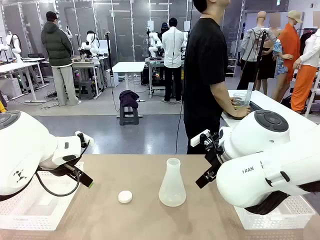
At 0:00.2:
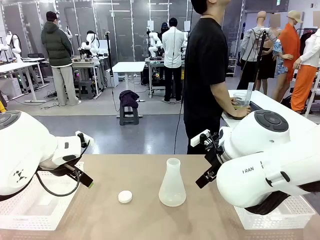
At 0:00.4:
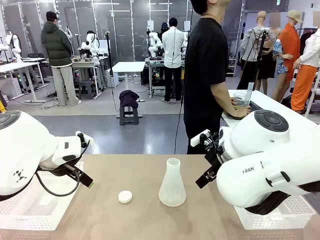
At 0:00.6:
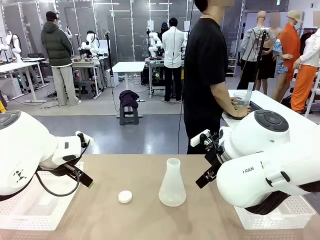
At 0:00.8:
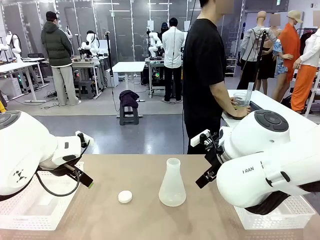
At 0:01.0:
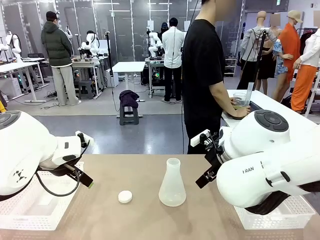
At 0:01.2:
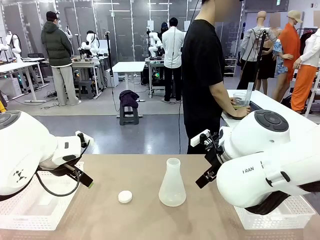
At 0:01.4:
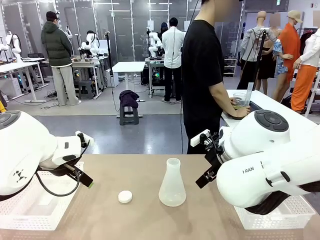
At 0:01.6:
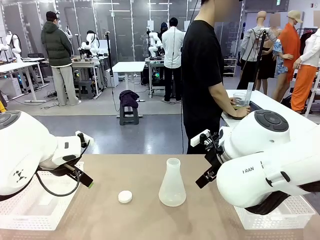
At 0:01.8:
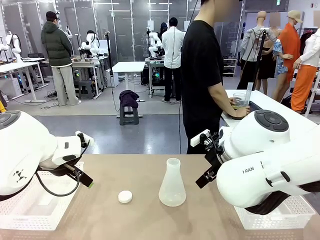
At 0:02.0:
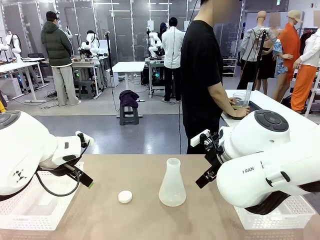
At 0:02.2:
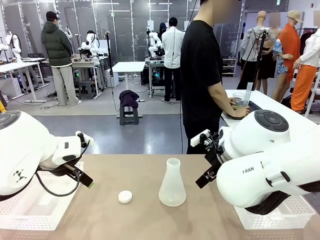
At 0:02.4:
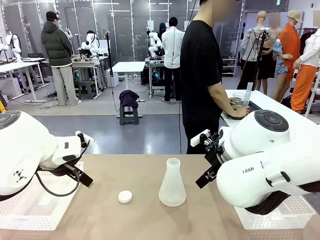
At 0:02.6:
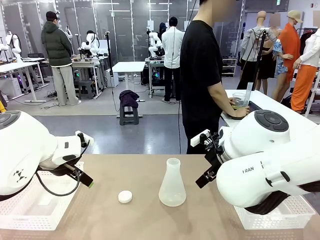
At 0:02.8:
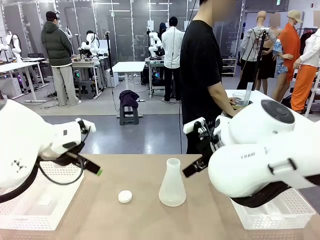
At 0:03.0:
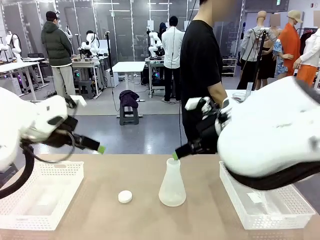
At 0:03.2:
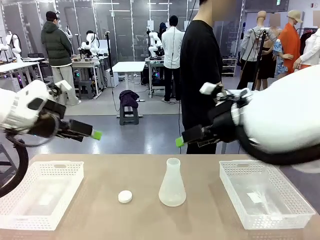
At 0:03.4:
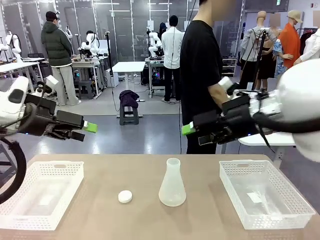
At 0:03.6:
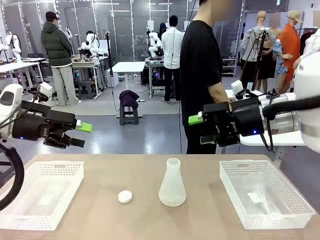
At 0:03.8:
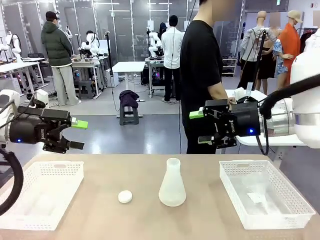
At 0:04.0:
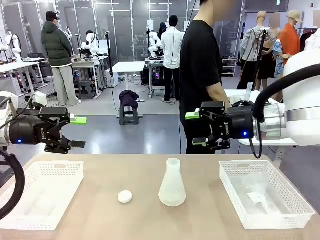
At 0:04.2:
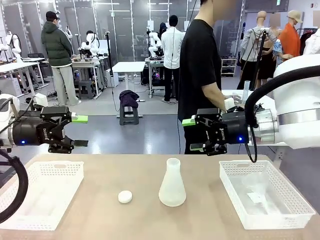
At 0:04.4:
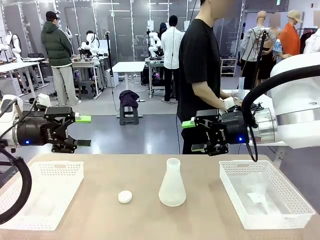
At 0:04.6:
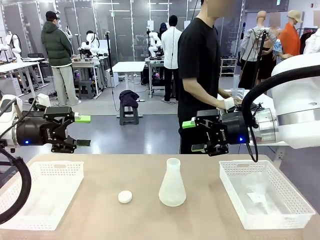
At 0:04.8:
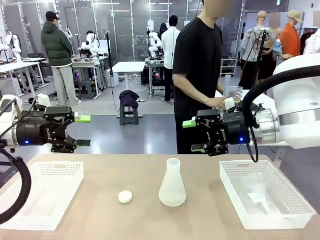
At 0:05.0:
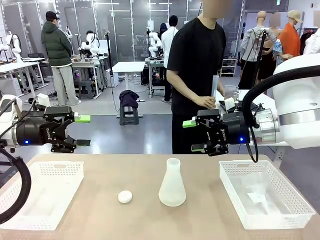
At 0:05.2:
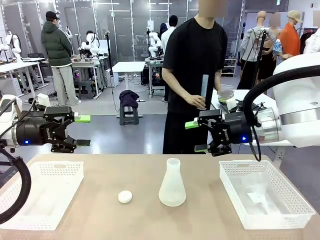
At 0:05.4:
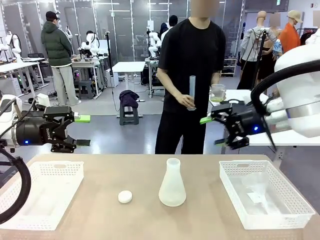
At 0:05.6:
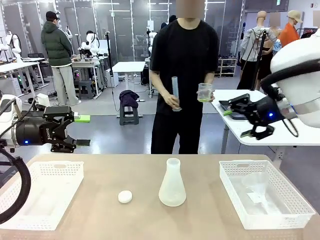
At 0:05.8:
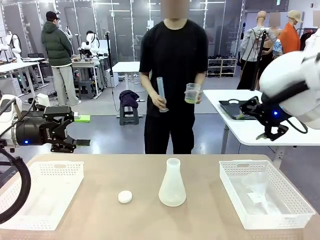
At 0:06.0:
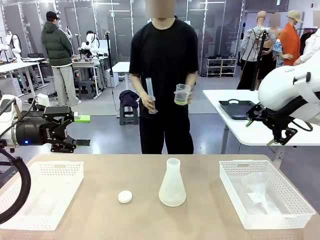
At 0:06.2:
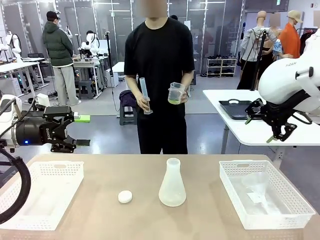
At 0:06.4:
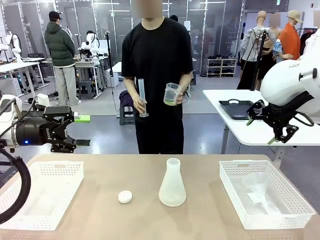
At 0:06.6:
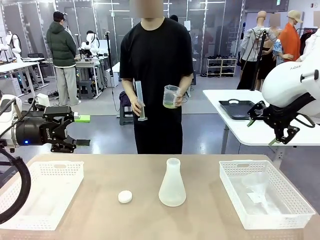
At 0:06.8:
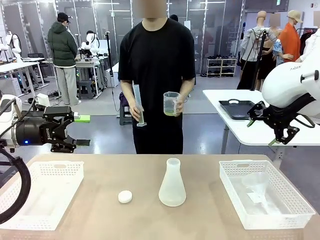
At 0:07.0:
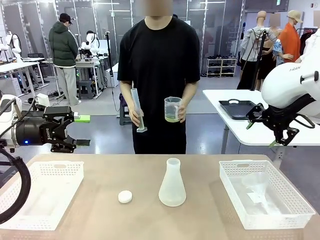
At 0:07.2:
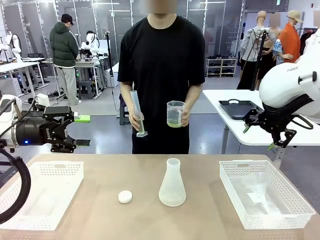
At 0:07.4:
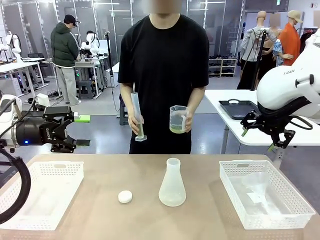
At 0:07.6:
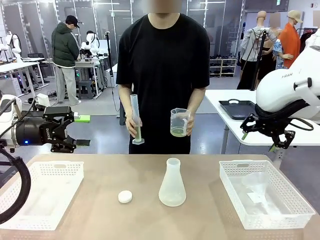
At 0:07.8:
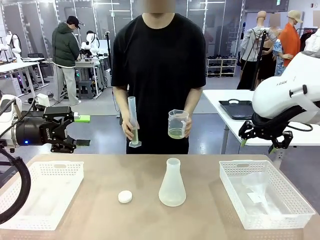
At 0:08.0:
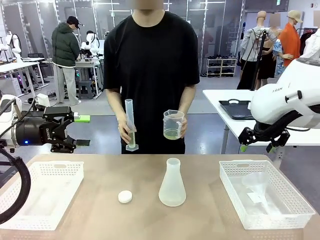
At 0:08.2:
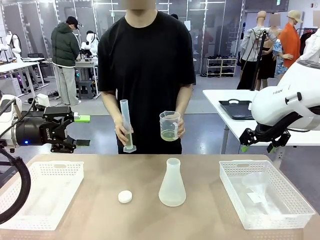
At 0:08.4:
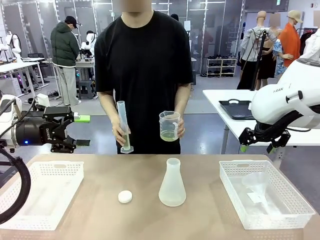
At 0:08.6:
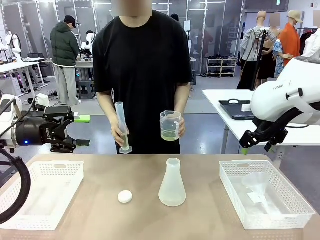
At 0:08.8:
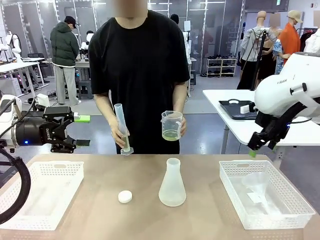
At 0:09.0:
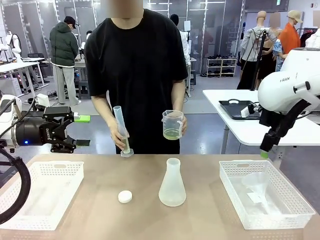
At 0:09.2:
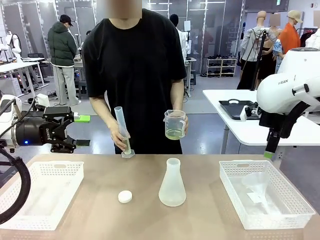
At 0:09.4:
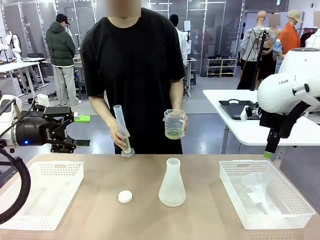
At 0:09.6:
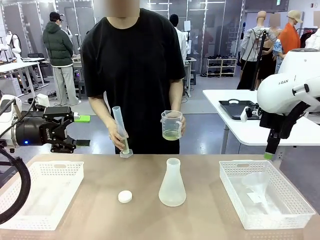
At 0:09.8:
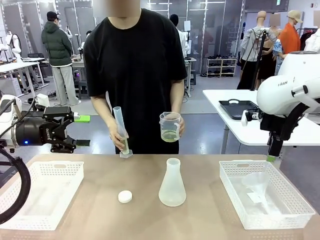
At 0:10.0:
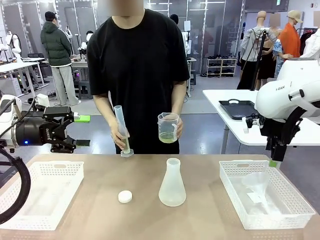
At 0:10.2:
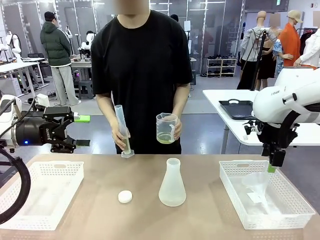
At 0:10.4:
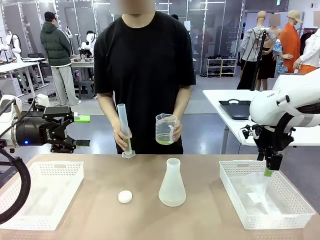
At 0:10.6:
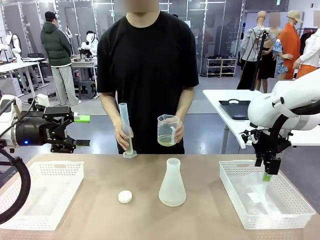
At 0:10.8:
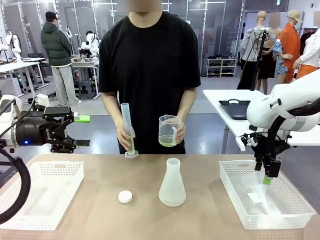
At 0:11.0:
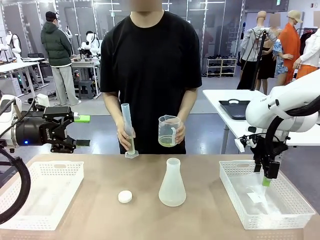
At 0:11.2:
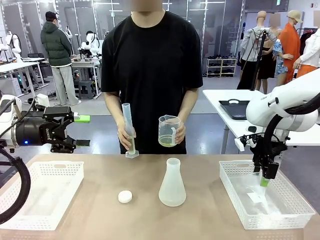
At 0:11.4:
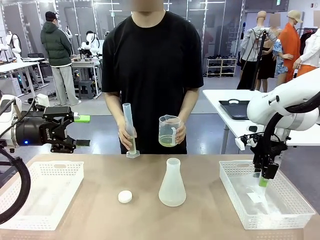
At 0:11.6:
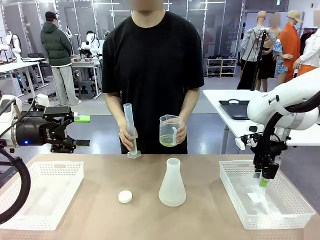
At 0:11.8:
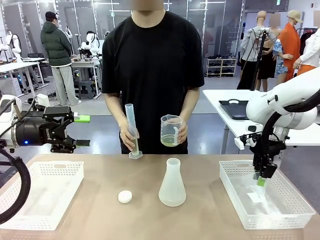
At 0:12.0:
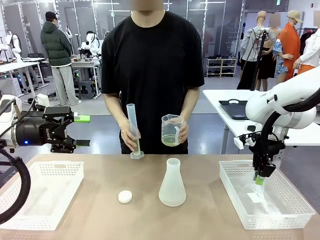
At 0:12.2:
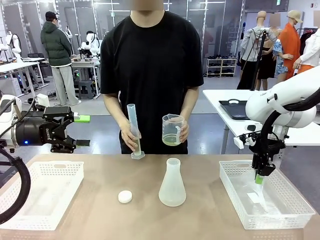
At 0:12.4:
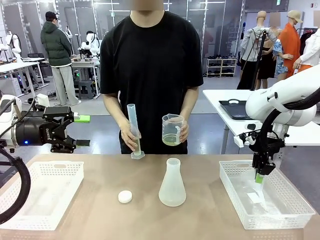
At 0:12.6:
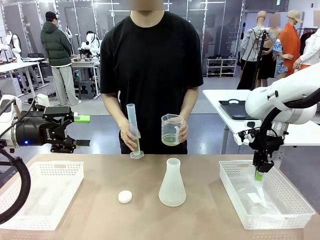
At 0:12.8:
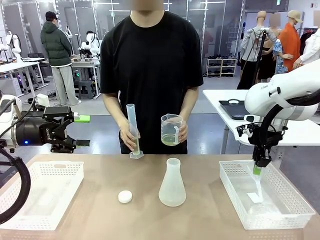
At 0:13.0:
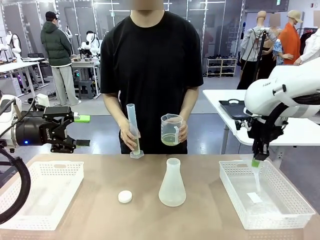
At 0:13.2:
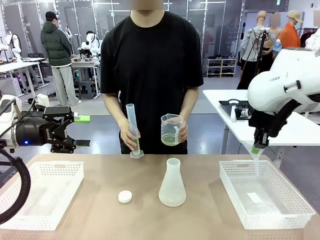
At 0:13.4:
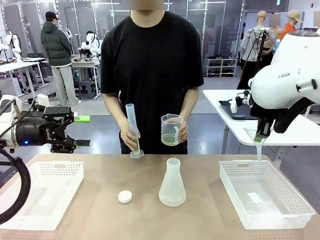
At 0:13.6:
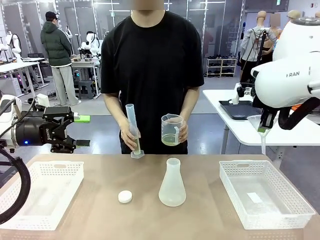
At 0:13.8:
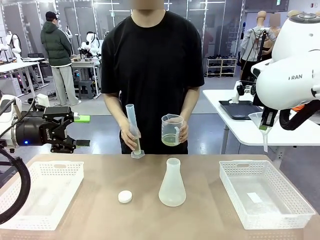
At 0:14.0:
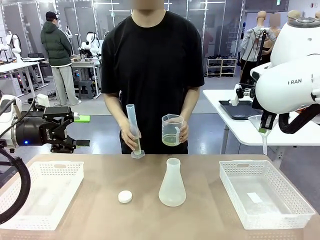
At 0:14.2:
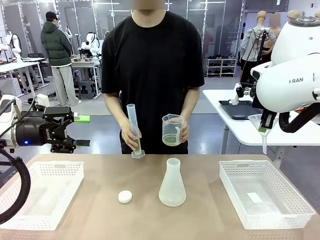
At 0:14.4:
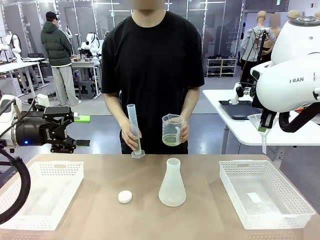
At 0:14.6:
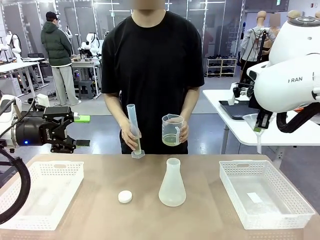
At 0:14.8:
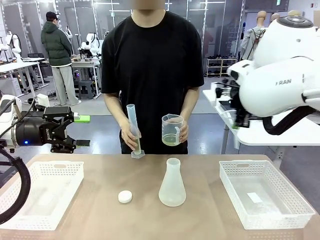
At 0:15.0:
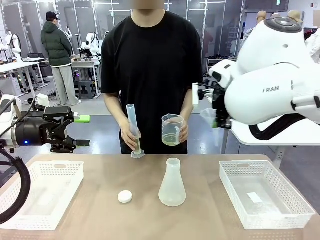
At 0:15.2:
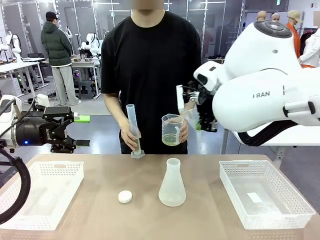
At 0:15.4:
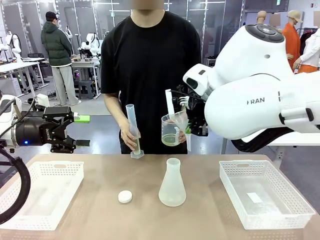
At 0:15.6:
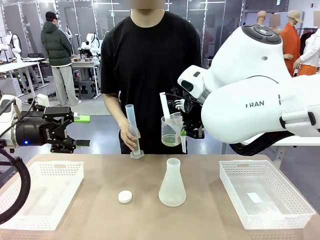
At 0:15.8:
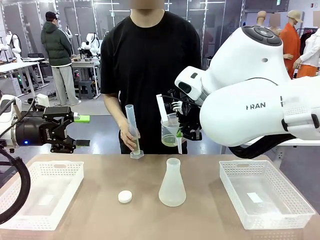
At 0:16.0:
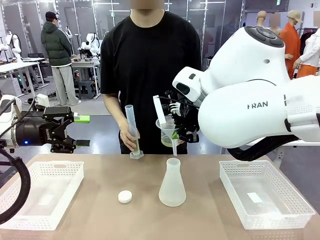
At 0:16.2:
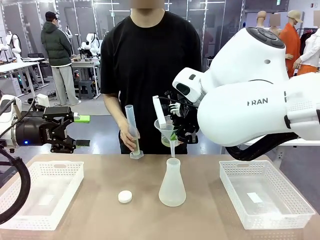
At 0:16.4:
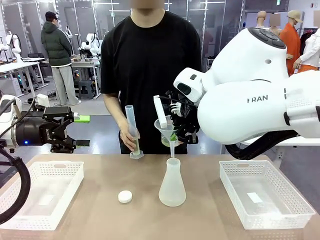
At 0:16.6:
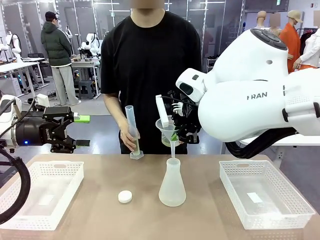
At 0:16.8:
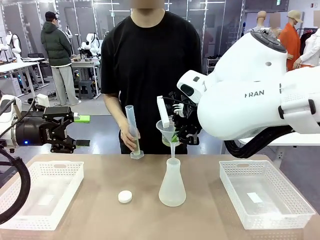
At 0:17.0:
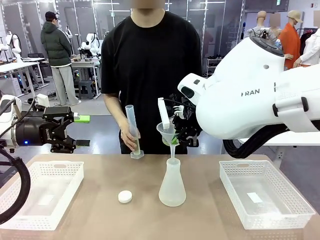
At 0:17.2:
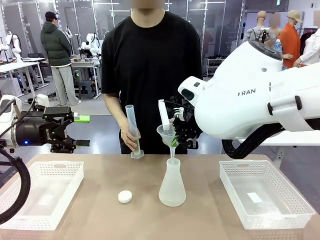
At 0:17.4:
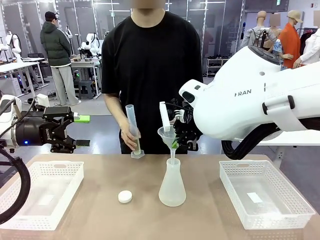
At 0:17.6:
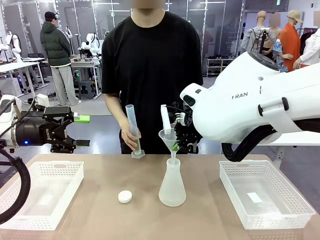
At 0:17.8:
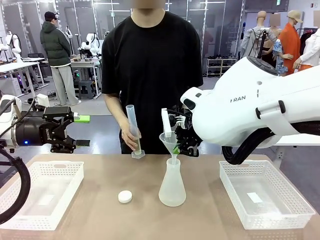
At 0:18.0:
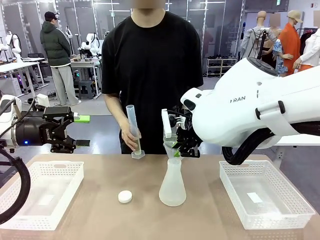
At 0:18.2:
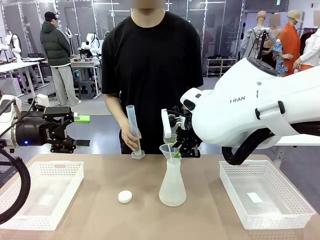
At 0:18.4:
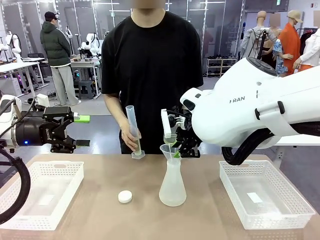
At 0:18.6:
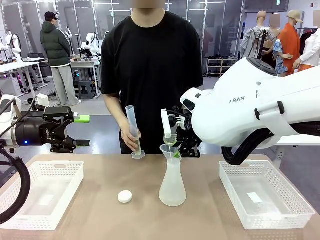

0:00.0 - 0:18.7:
Task: Prepare the solutions needed for the experiment.
Robot: Pick up the Plastic Funnel and insert it into the Big flask.
Person: Pick up the beaker and the cylinder and move to the middle of the robot table. Pour the solution from the beaker and the cylinder into the flask.
